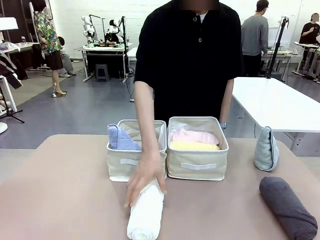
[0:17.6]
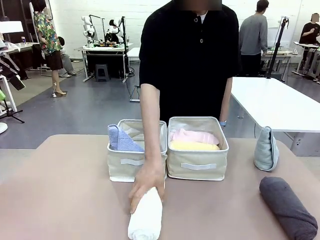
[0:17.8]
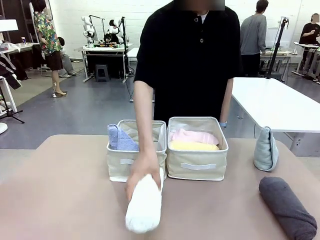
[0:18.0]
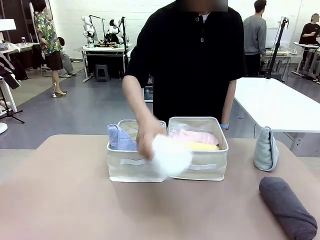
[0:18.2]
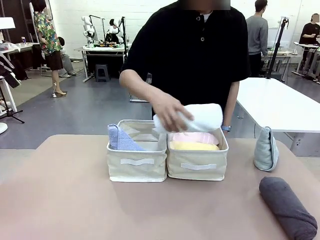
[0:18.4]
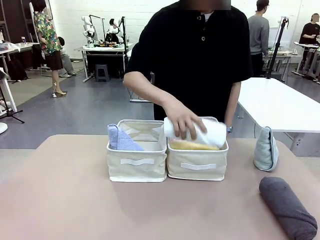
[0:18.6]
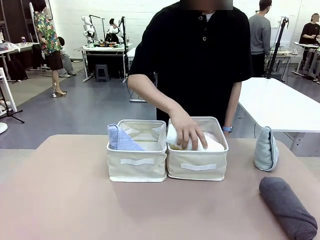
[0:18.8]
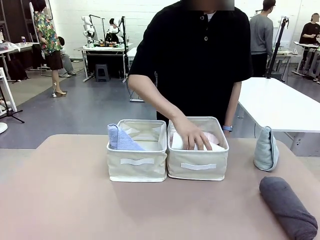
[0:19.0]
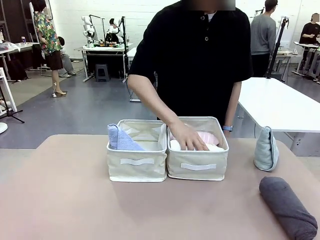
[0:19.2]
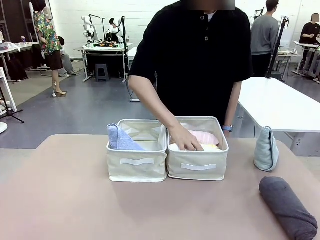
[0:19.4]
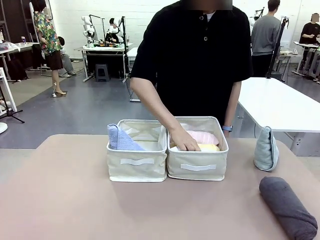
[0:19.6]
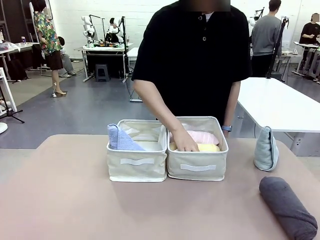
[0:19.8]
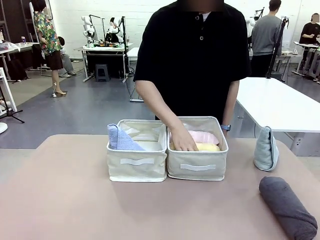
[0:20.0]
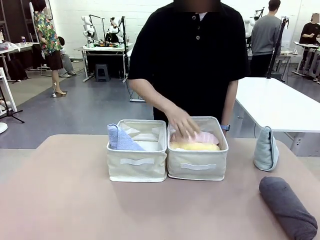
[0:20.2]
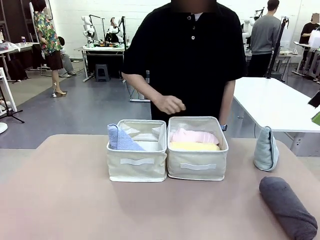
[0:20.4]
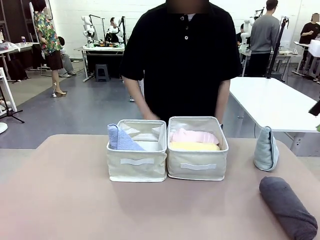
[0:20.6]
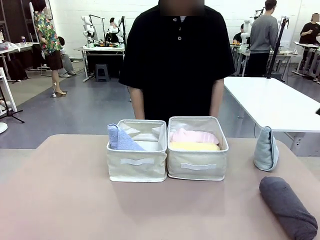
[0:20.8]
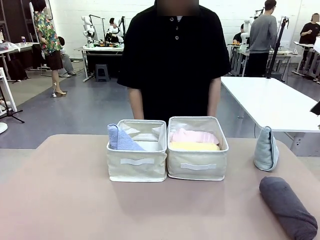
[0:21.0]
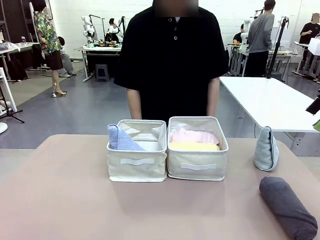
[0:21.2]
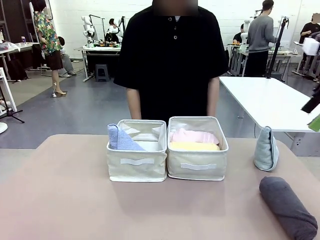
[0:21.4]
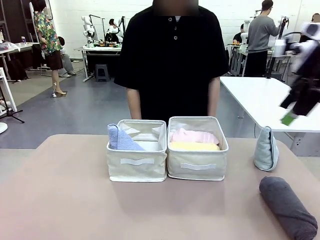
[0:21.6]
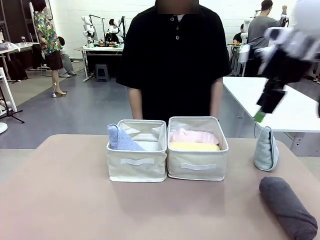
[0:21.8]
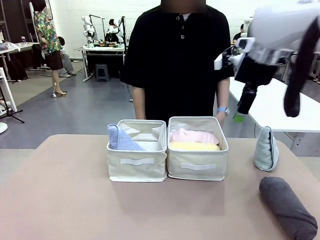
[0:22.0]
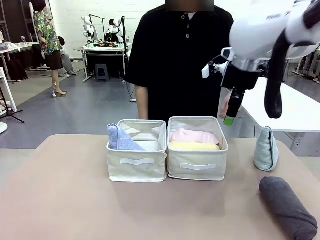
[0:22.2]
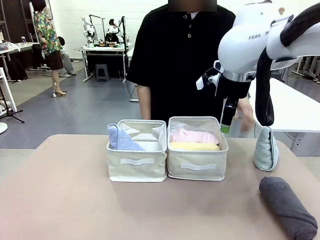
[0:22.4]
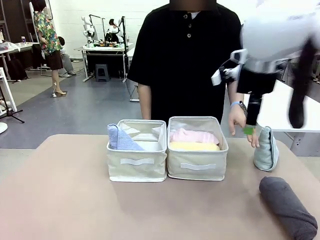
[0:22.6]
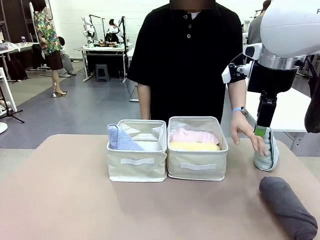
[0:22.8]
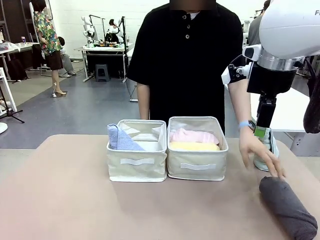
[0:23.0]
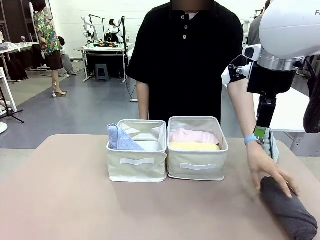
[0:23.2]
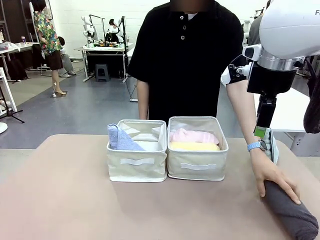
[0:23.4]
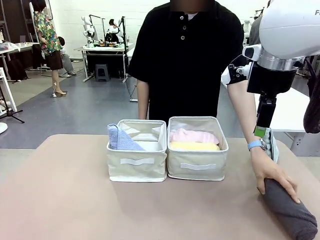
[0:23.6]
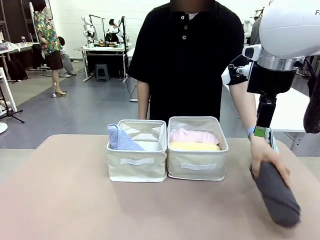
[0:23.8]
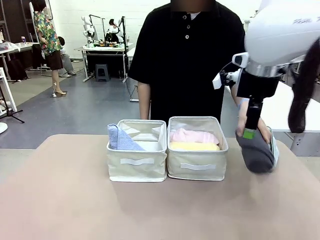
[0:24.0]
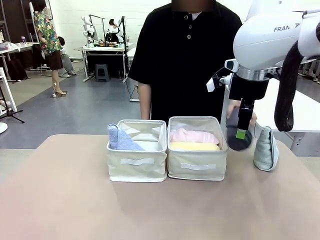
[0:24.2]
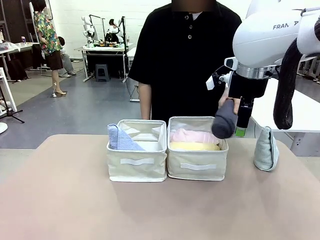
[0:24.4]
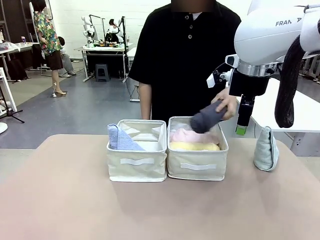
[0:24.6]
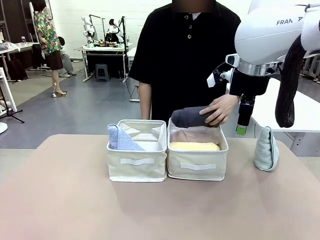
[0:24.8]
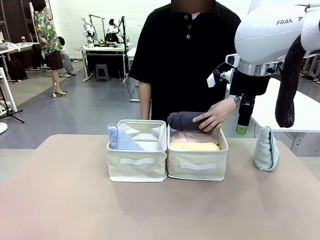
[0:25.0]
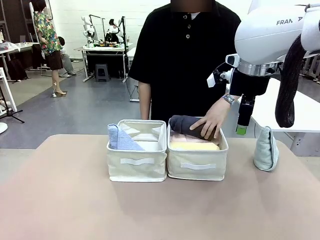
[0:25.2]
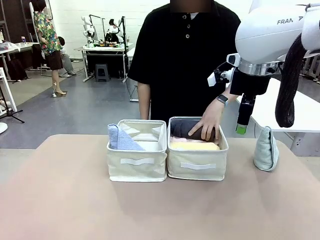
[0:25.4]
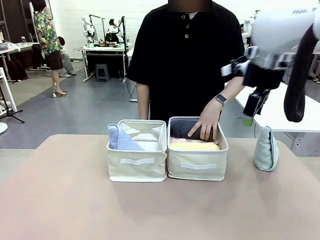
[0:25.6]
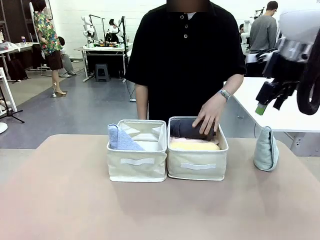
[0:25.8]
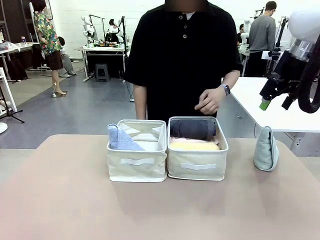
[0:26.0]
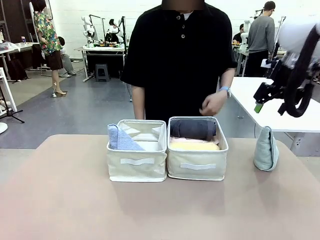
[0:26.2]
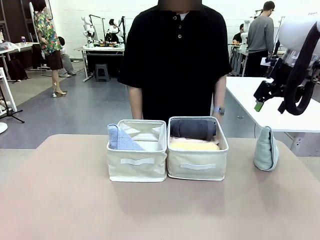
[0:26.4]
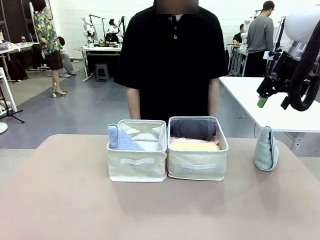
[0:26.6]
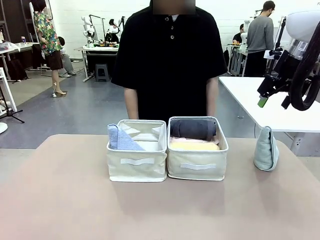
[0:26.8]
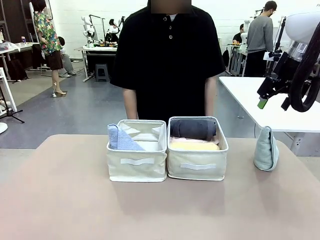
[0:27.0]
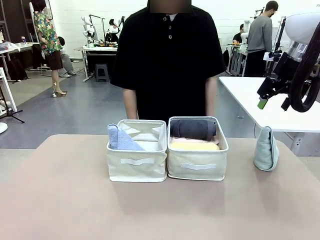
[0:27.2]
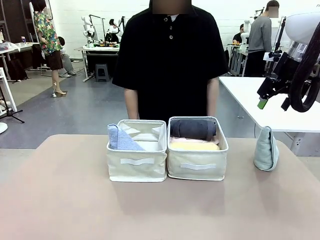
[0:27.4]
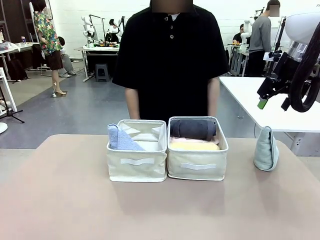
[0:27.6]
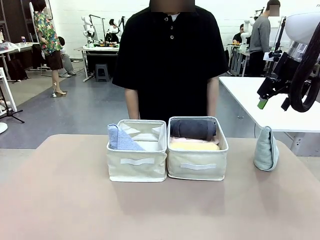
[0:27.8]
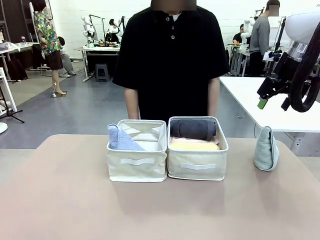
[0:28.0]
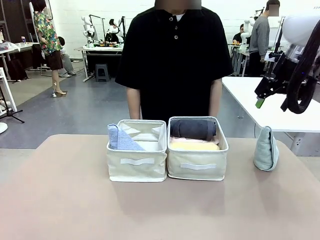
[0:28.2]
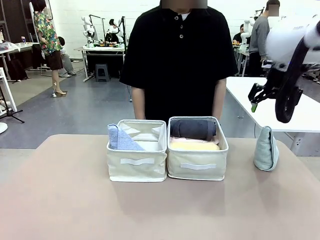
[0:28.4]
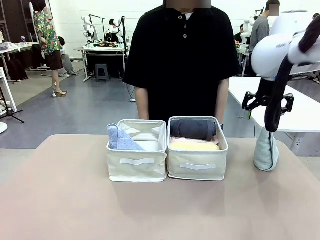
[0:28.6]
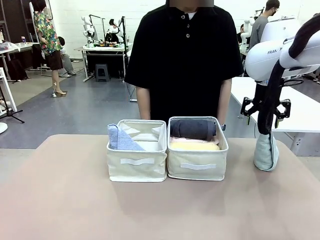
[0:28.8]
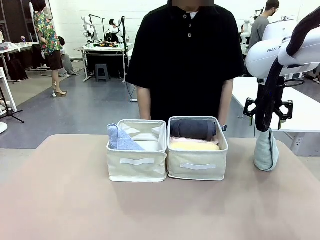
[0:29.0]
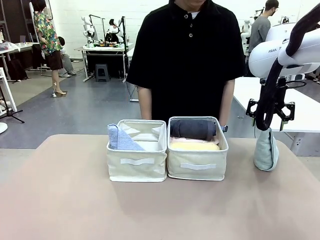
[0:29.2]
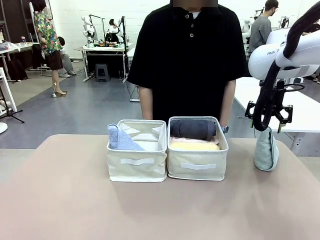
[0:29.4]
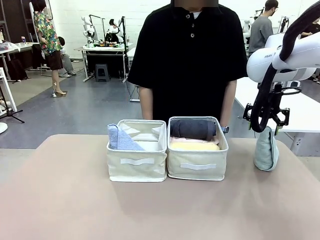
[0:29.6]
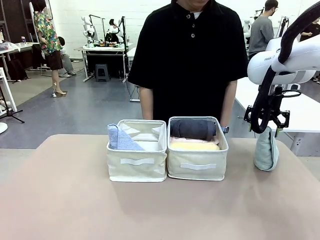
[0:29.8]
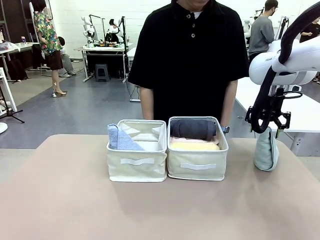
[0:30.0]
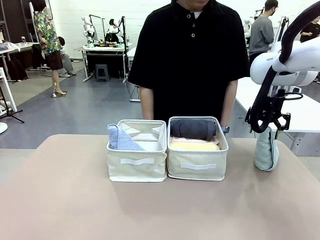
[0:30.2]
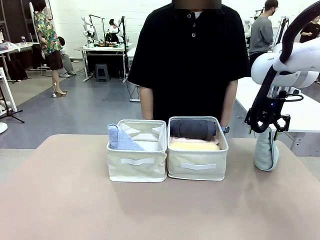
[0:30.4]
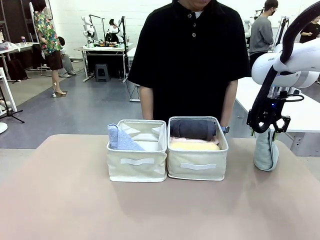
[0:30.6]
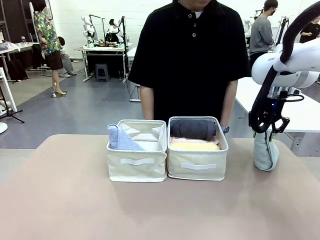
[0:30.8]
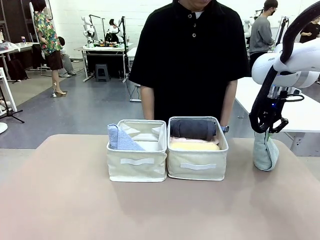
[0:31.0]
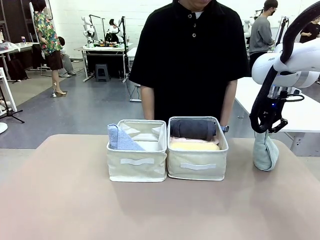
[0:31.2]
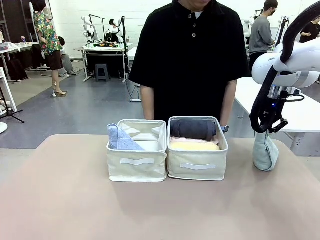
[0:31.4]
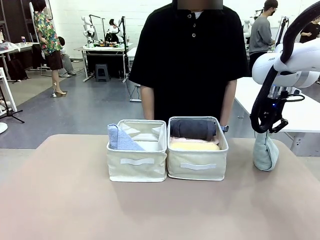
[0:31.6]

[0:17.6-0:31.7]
Task: Sort the towels based on their folding style.
Robot: Pick up another triangle-folded towel from the table and place it in the left Fabric basket.
